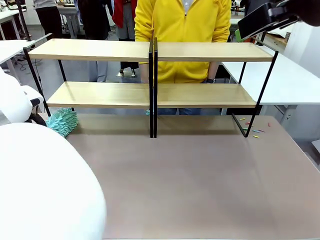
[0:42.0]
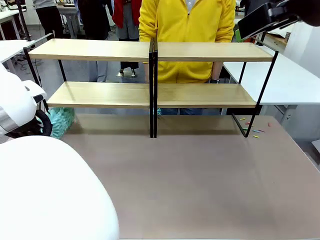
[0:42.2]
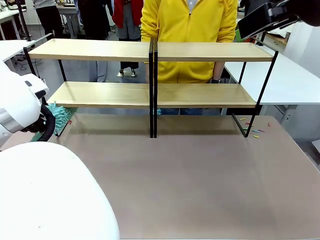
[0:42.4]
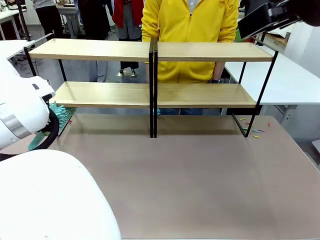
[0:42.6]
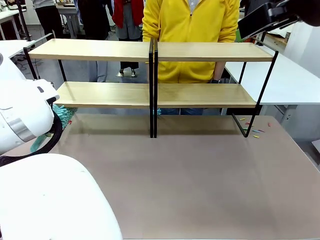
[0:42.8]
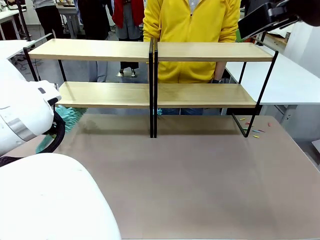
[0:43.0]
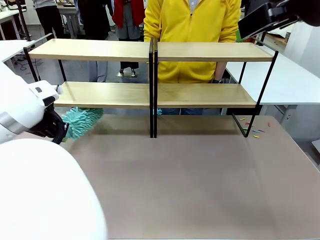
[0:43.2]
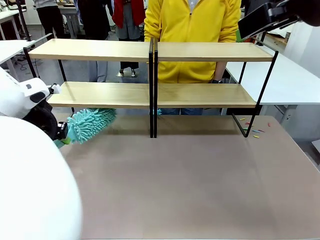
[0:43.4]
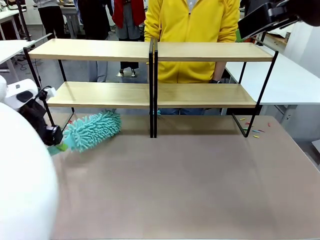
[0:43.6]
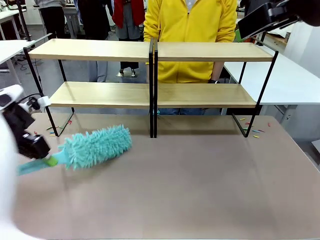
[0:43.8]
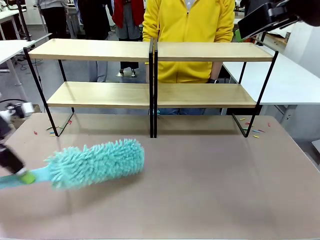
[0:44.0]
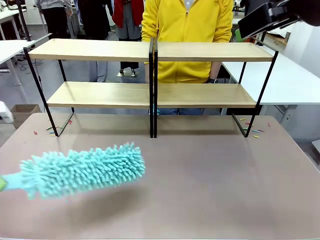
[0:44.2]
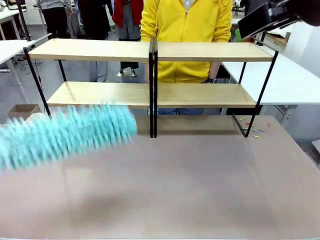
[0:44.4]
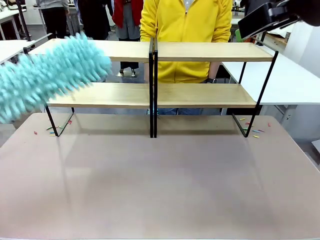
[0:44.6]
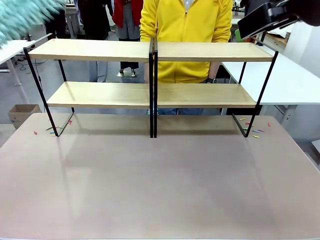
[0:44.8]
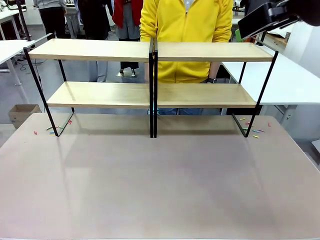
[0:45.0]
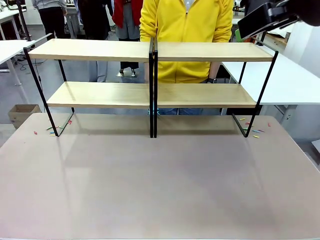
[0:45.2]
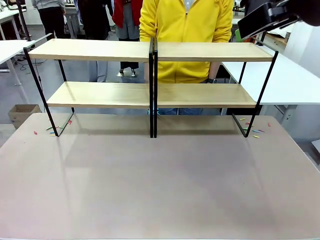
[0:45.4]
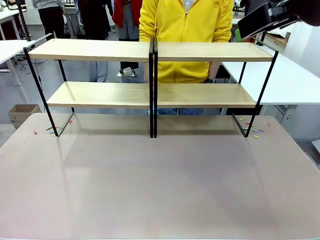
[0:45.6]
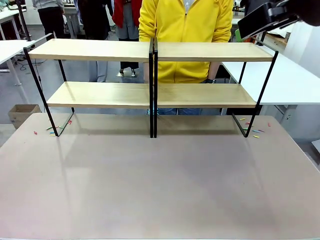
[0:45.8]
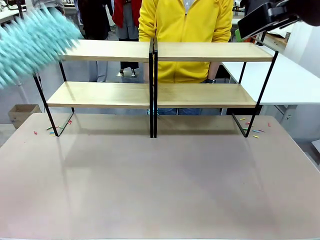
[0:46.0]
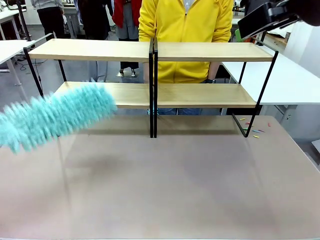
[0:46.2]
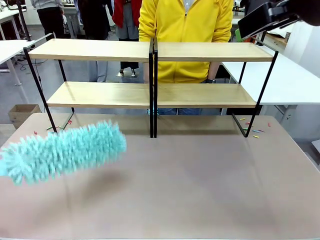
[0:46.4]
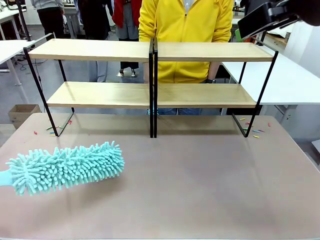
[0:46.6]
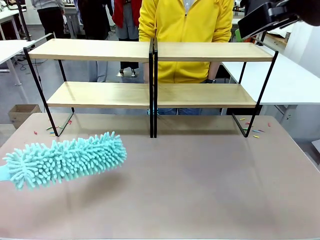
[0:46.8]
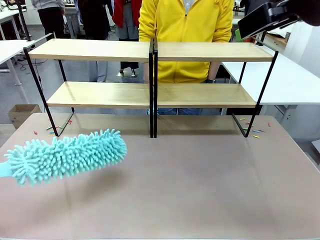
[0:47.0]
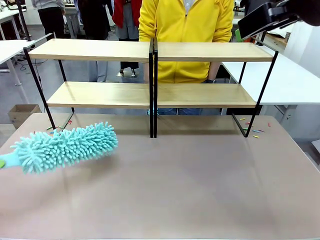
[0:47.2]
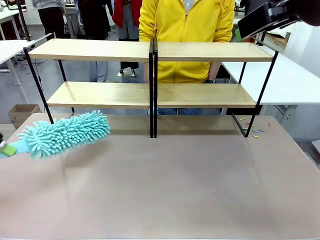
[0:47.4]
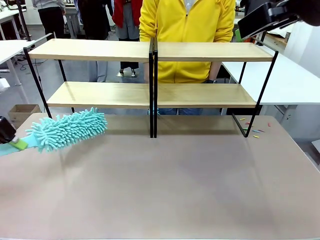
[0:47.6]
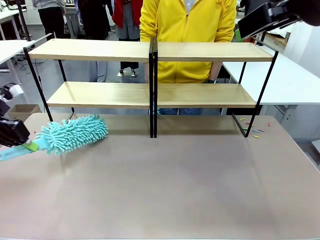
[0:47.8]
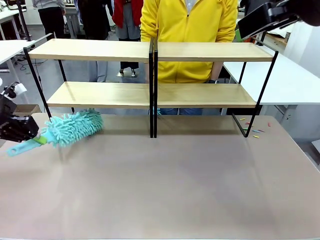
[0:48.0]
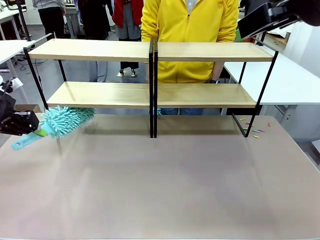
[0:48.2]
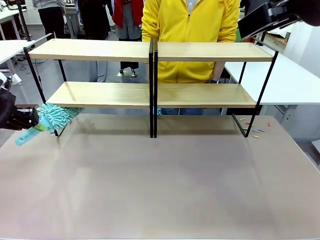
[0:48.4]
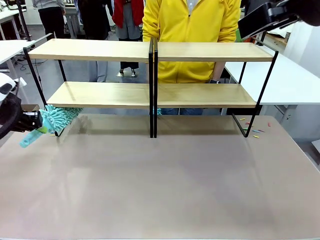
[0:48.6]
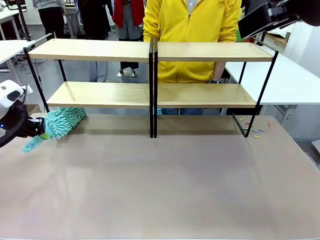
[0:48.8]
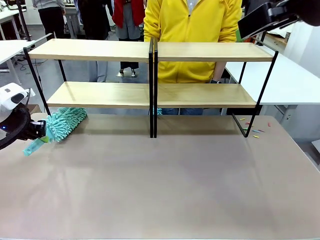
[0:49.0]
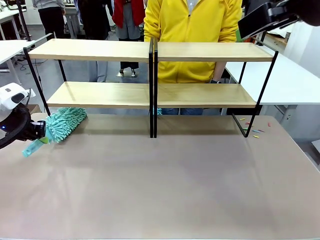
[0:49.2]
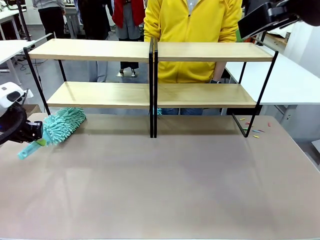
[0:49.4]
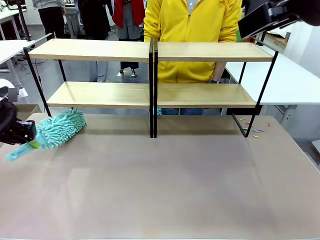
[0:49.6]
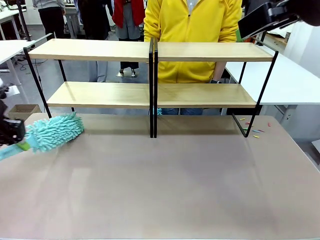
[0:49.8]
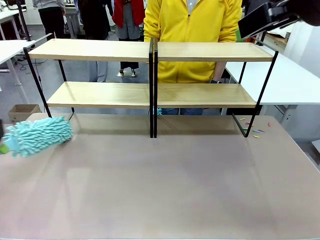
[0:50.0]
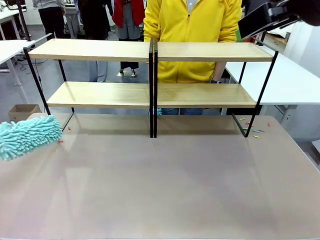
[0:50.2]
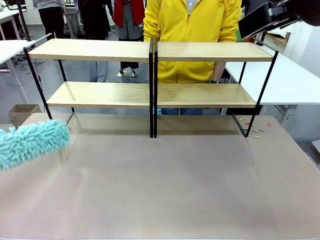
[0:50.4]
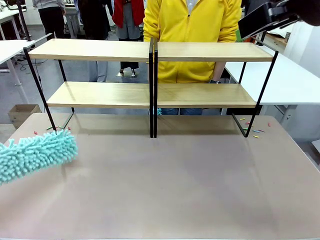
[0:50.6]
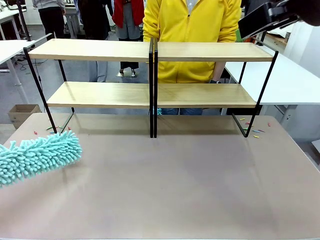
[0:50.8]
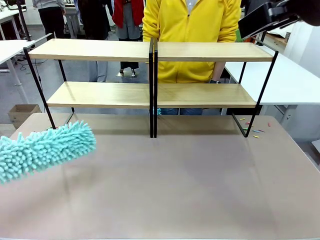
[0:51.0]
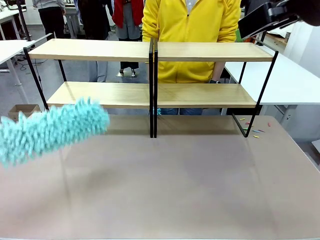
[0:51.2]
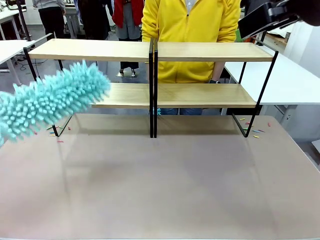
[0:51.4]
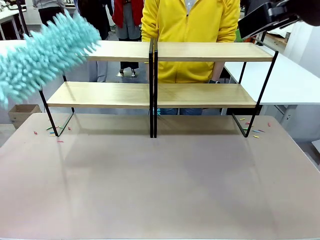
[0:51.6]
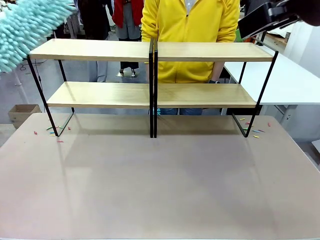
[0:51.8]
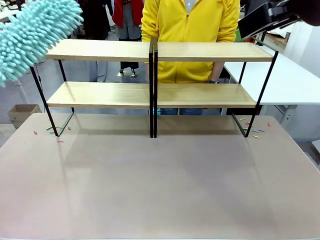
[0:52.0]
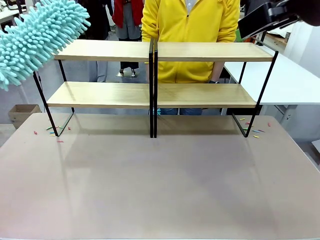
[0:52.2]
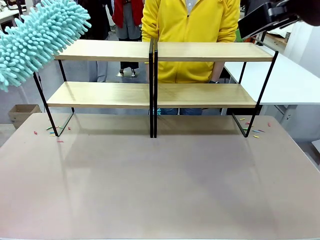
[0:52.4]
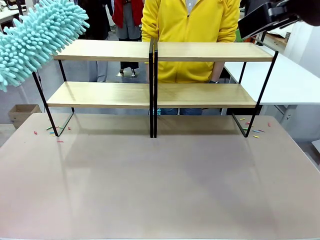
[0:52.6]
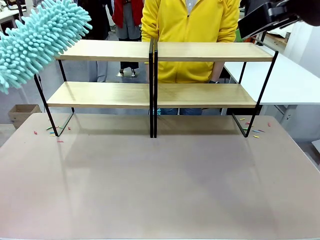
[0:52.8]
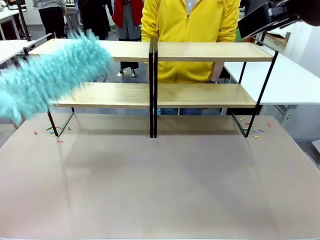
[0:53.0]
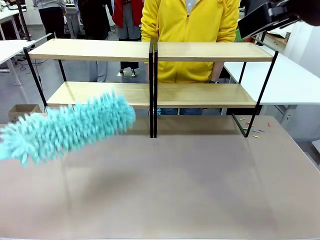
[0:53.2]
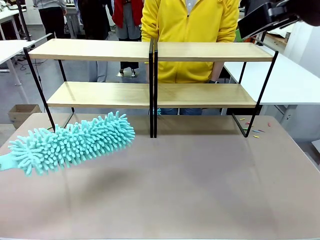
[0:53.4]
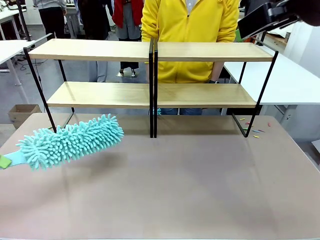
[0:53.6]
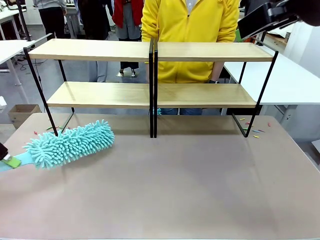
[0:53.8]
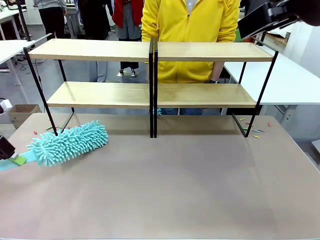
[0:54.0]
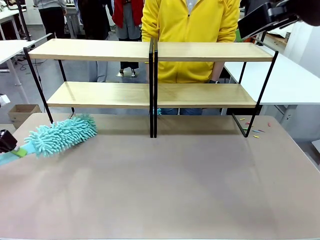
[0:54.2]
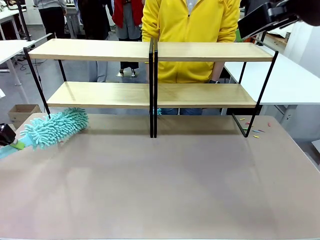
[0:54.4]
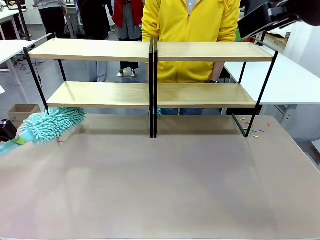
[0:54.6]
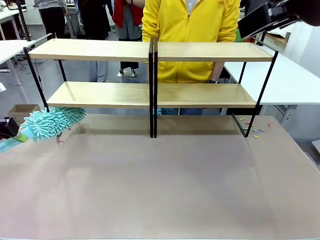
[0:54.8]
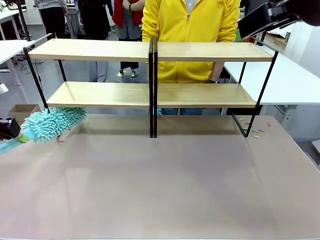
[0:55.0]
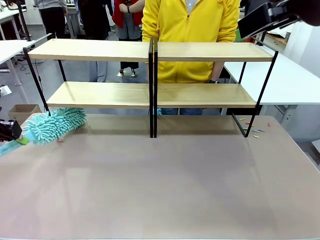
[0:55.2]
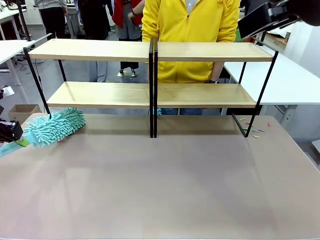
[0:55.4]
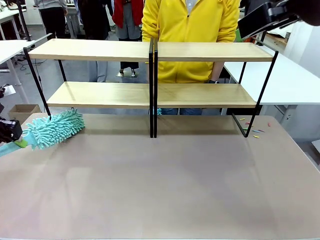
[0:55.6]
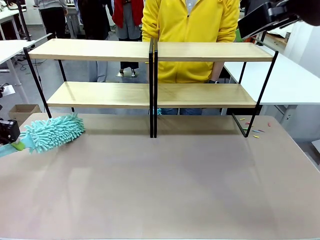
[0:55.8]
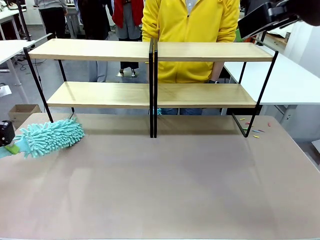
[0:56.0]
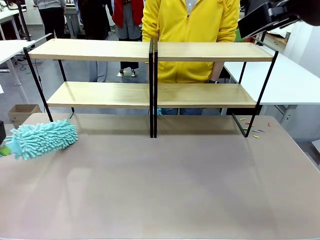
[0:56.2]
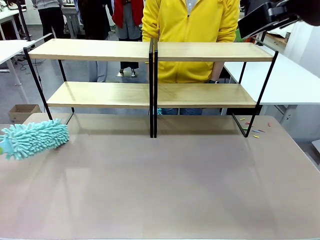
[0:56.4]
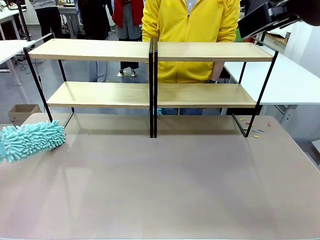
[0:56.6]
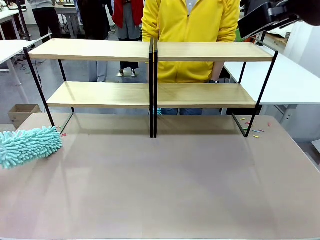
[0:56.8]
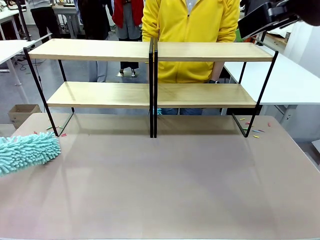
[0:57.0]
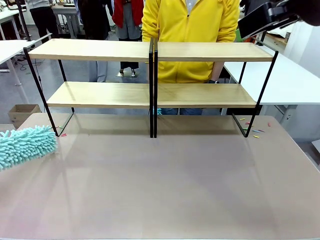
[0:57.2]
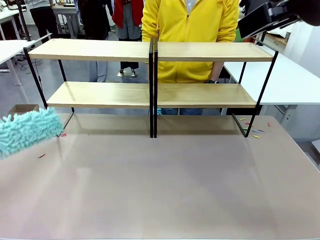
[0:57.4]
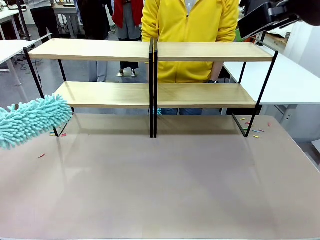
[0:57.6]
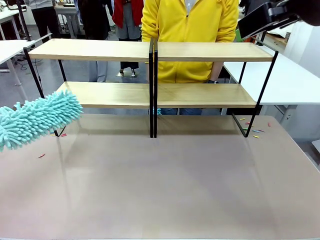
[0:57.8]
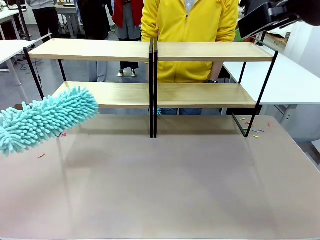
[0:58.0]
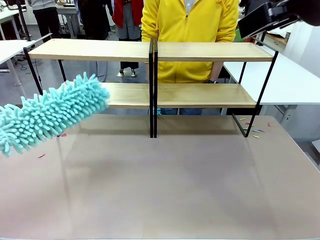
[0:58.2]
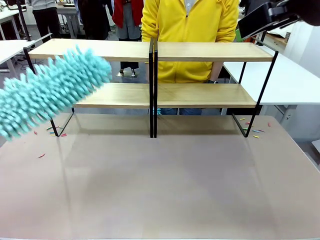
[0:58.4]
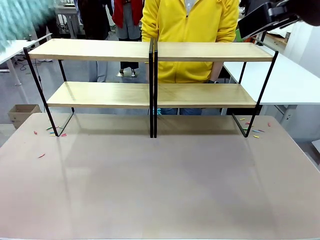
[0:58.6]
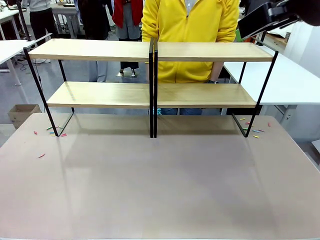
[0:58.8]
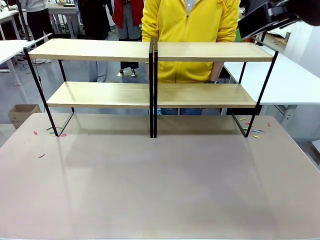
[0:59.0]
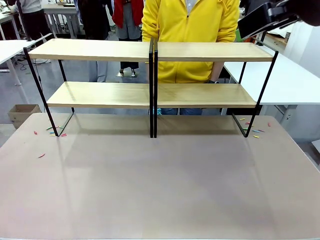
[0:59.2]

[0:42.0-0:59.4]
Task: Clean the shelves.
Robot: Clean another randomly selected level of the Shelf with the Duster.

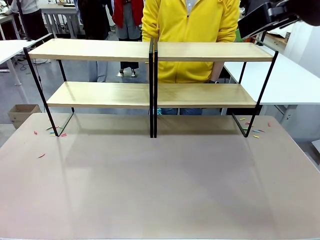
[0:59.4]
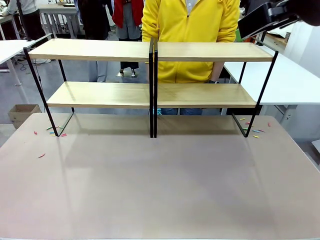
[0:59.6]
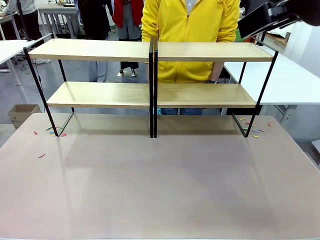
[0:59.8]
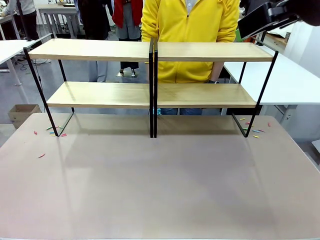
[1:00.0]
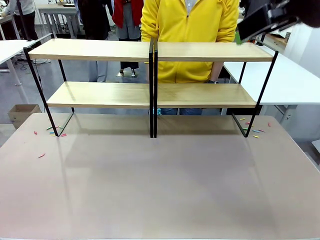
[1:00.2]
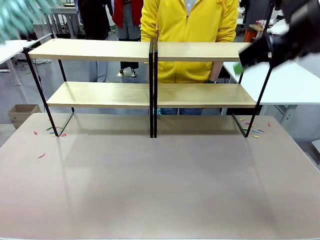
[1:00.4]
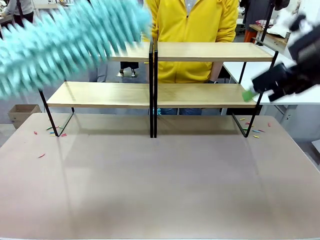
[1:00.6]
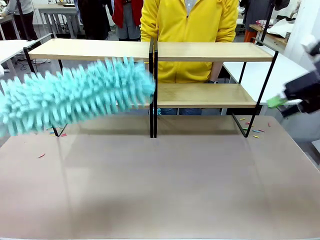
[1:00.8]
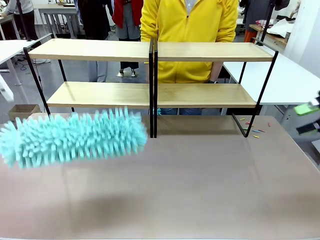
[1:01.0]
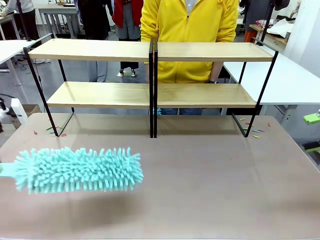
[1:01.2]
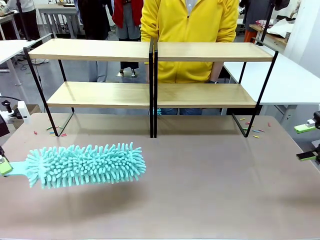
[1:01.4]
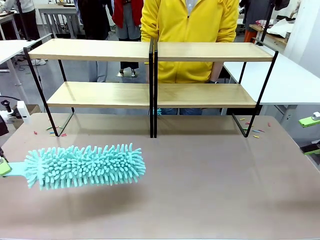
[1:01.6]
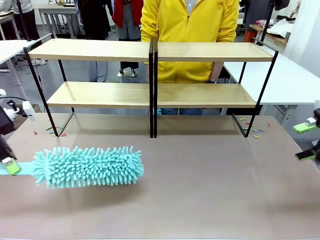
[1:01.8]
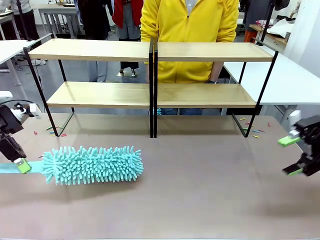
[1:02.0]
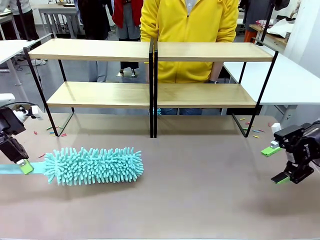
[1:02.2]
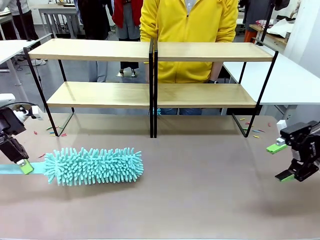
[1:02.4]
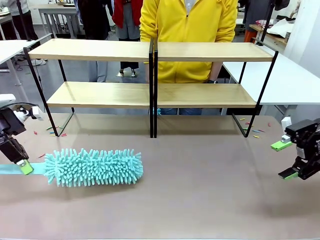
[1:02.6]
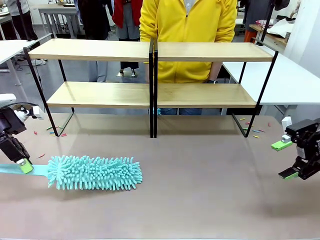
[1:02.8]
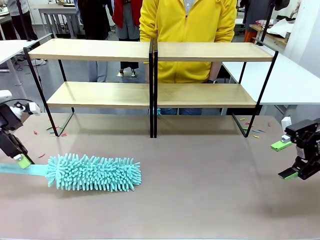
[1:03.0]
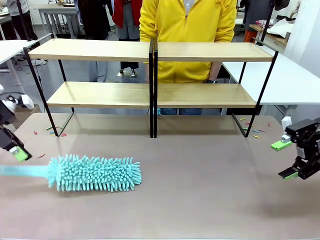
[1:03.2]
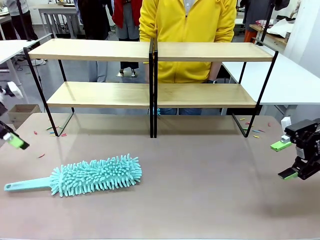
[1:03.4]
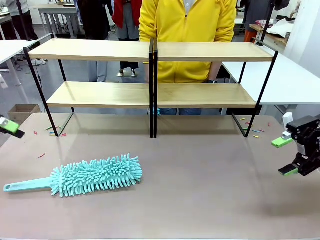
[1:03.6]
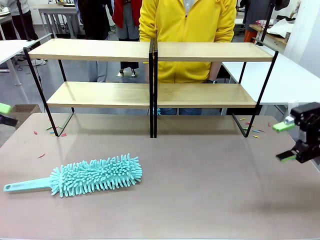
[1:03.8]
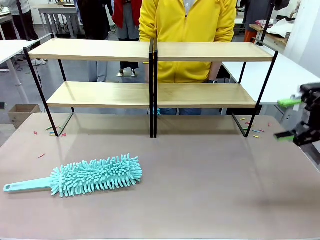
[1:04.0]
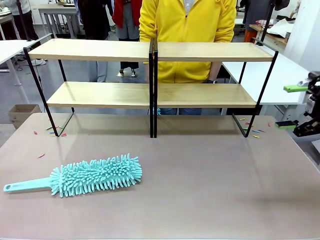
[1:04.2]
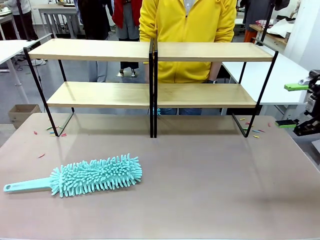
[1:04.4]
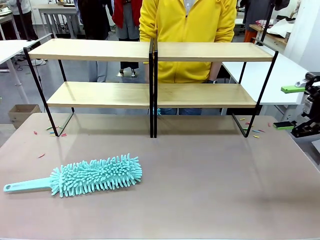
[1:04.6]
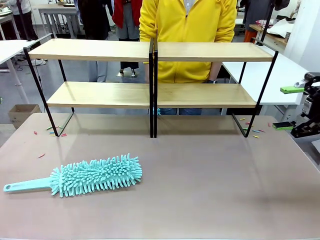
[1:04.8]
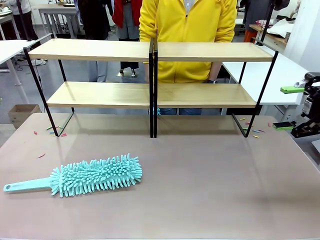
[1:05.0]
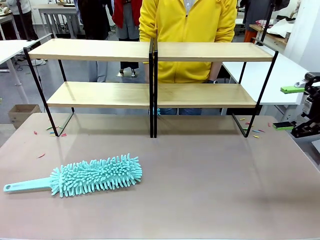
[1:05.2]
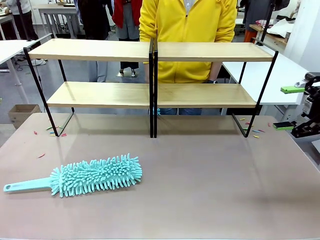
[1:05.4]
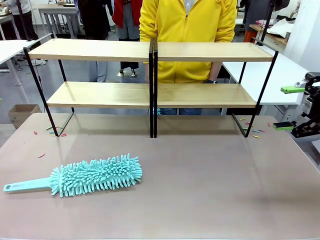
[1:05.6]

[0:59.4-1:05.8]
Robot: Place the Duster on the table.
